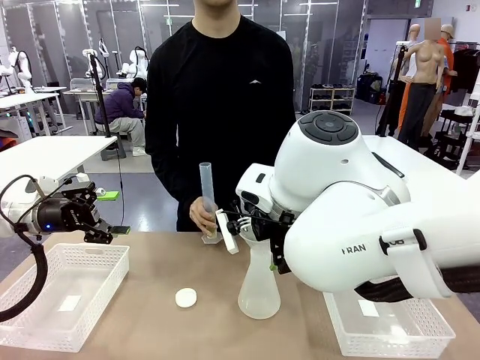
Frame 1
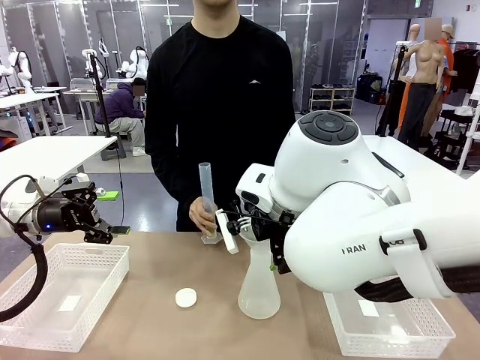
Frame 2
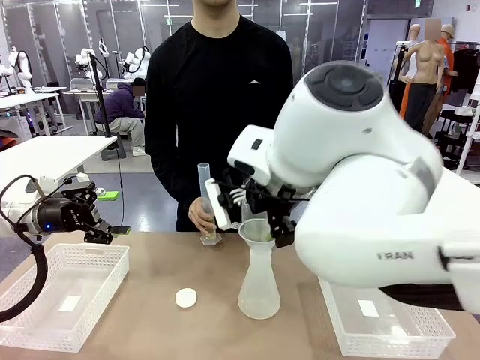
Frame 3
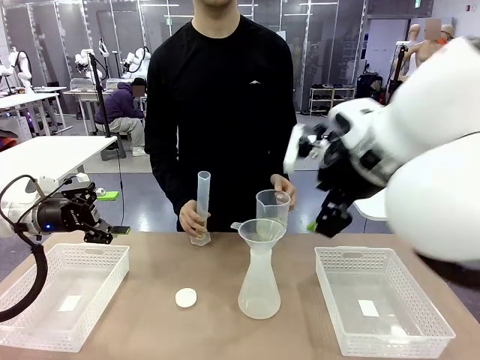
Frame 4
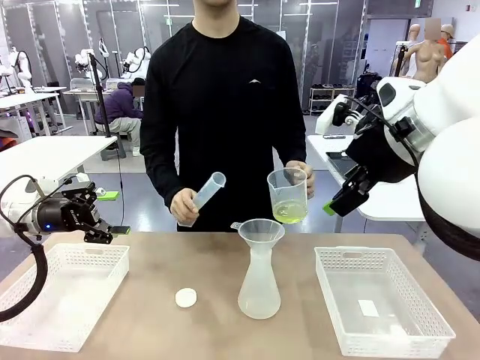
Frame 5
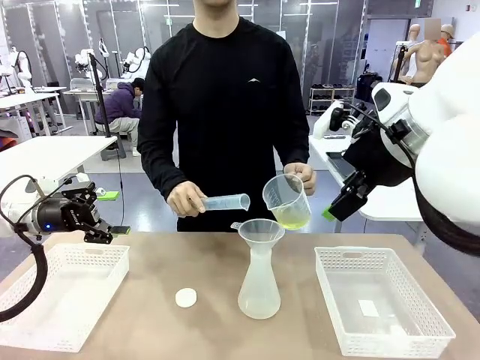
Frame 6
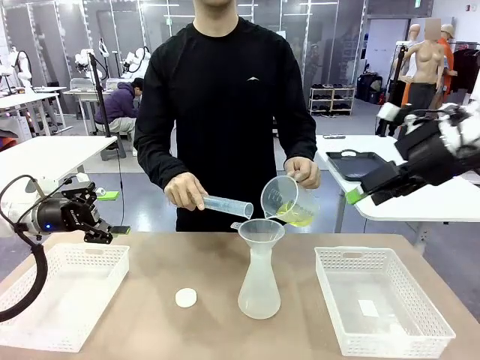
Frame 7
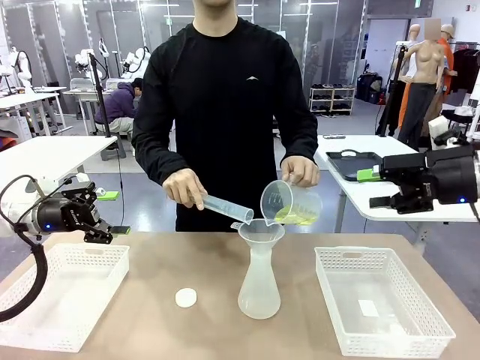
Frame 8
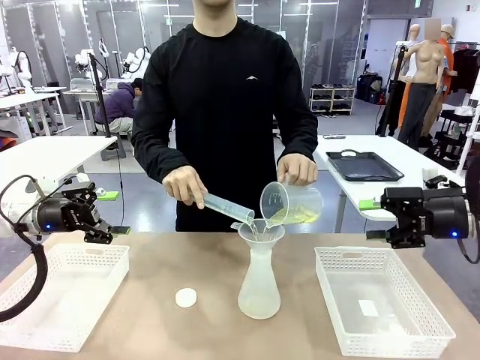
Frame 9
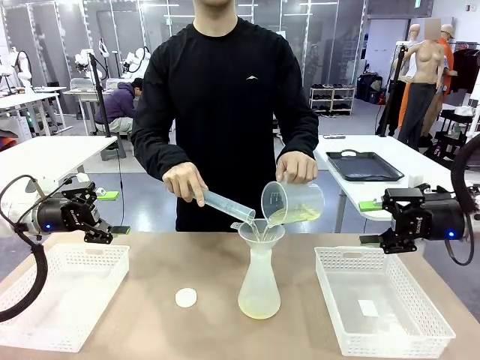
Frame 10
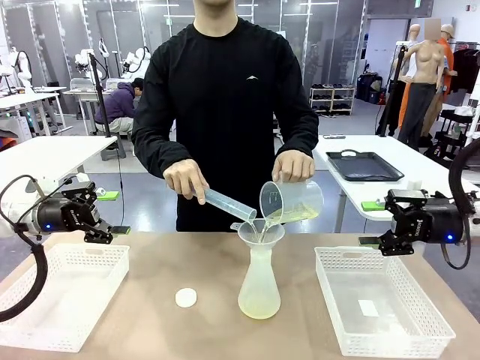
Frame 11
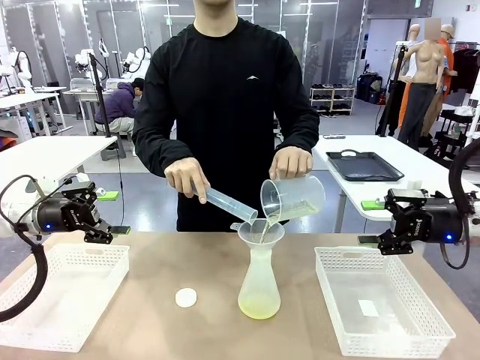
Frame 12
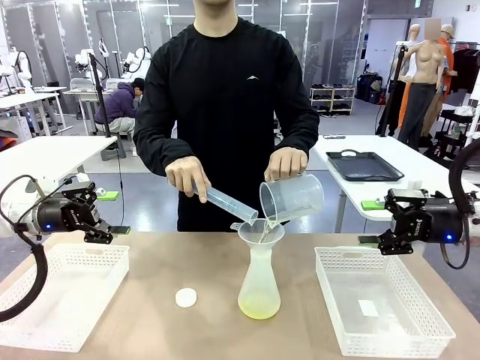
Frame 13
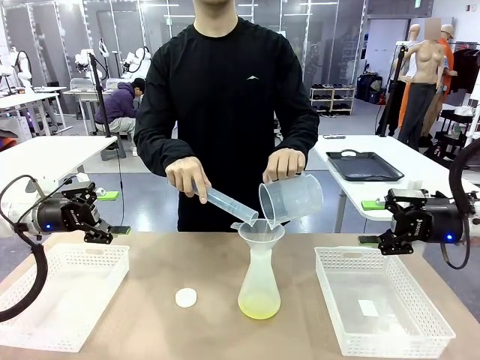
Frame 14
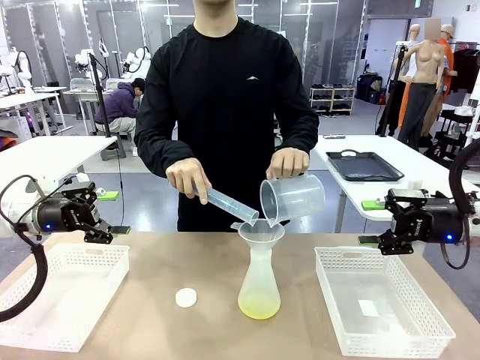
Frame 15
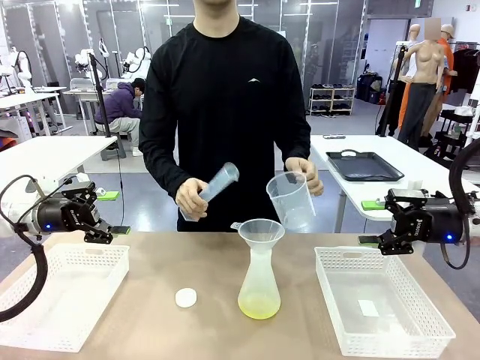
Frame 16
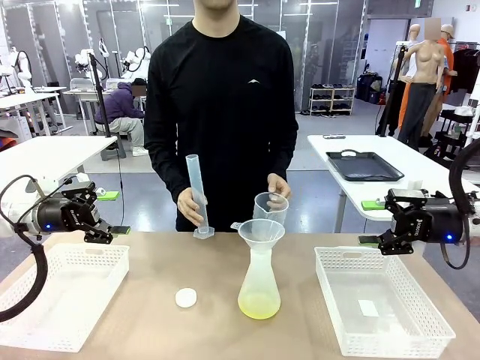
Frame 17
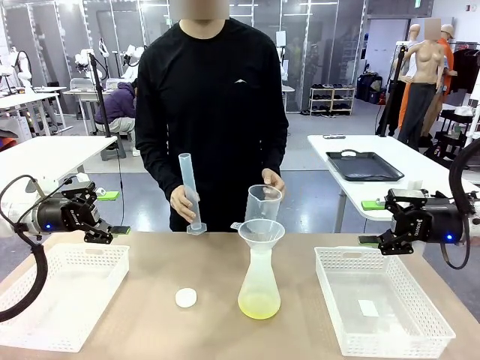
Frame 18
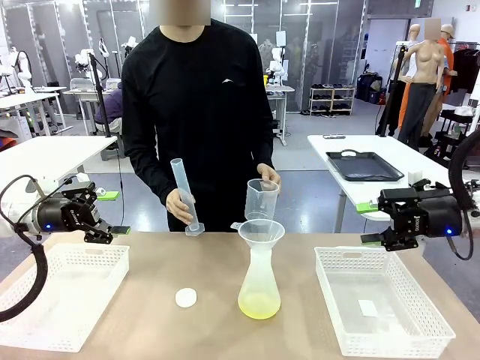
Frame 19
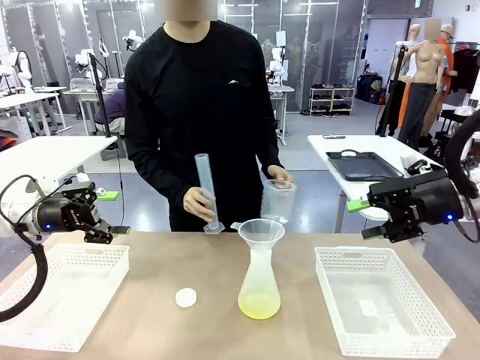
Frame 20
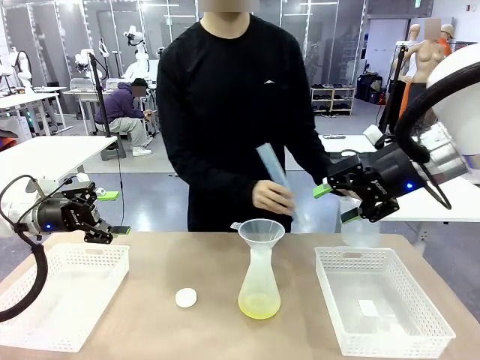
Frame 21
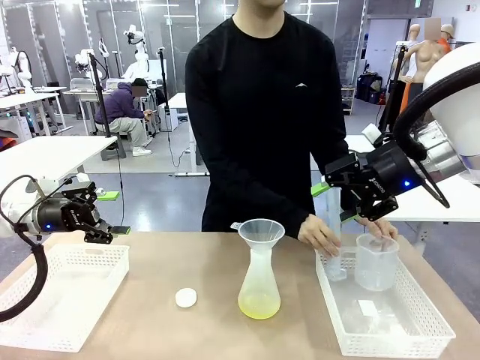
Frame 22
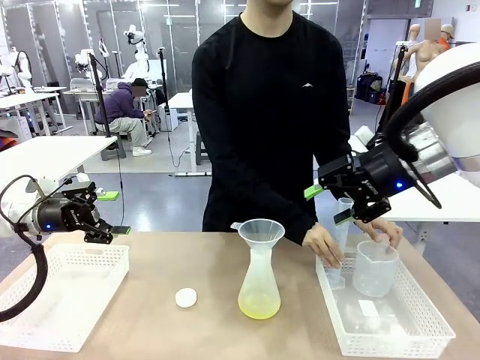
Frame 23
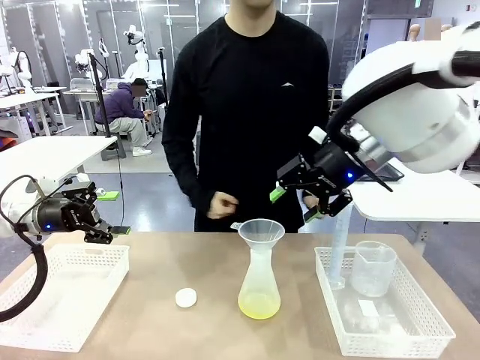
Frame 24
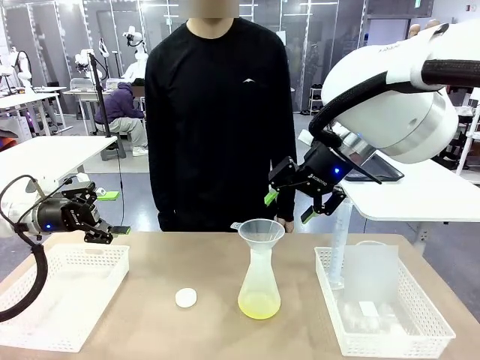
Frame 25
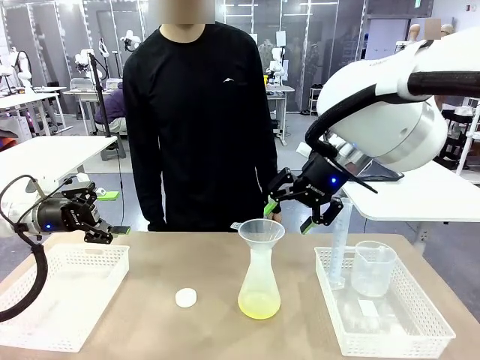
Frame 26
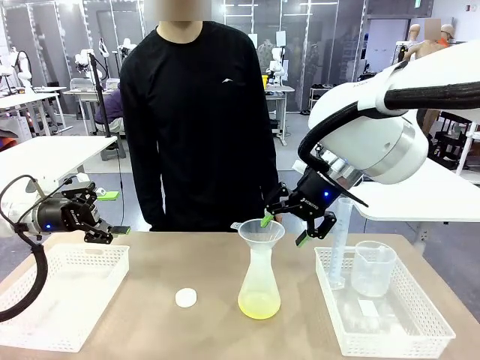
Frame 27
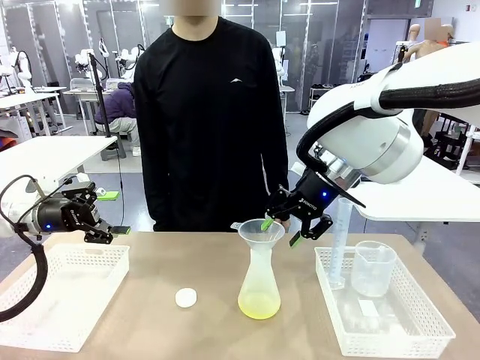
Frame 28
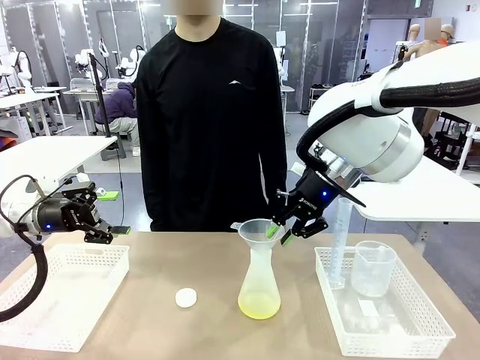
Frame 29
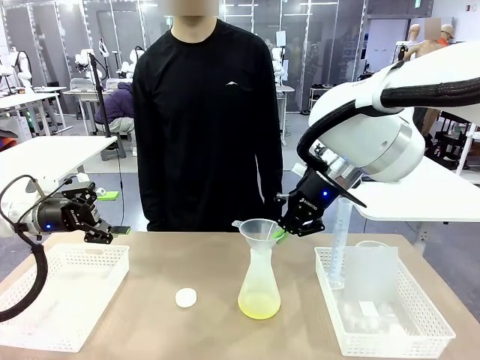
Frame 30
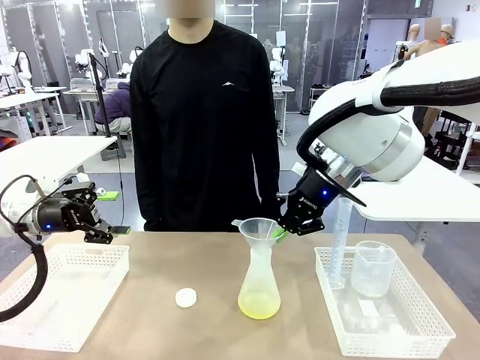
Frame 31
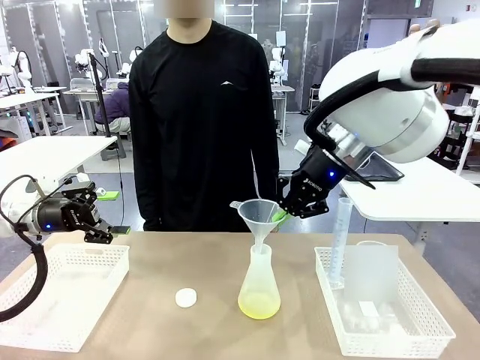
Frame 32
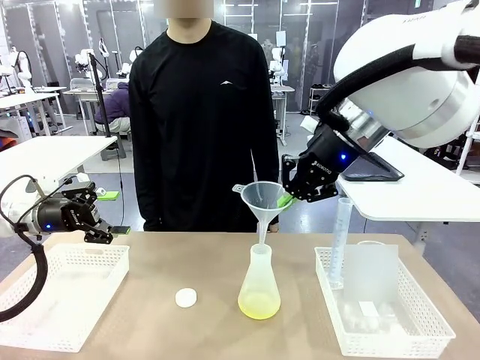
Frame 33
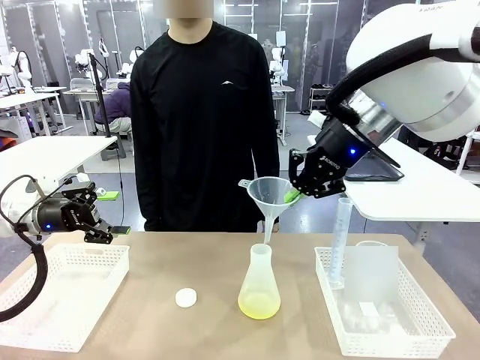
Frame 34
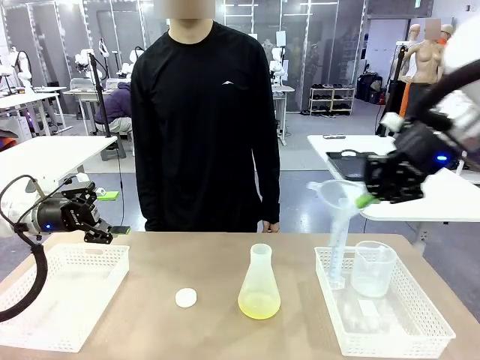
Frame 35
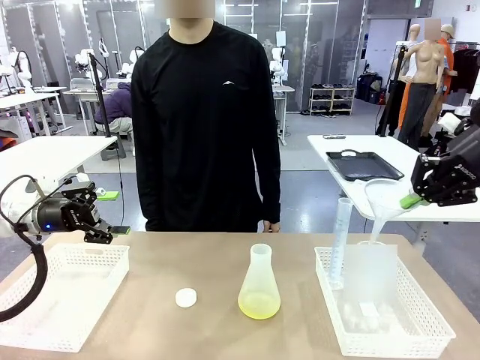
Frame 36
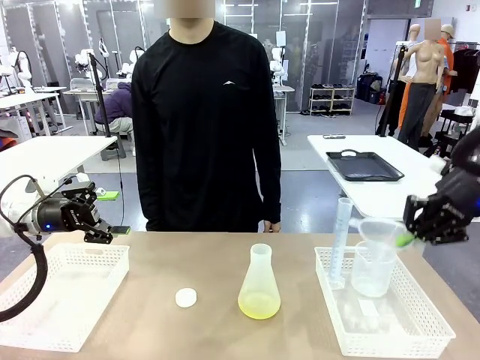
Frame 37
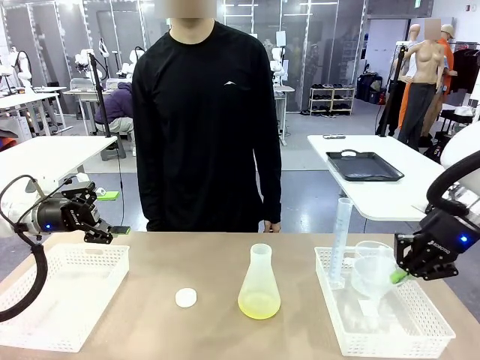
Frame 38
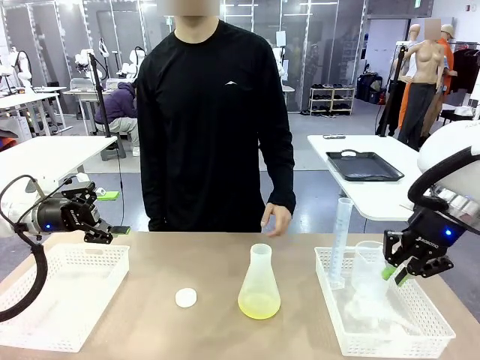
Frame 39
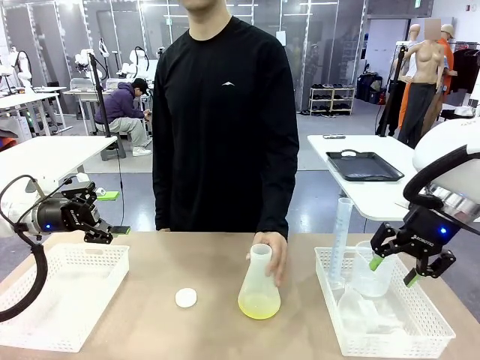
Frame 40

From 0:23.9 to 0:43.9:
Task: Prepare the solutions needed for the experiment.
Robot: Once the solution is in the Big flask , pick up the Plastic Funnel and place it back into the right Organizing basket.
Person: Place the beaker and the cylinder into the organizing basket on the left side. Pick up the flask, gently shake it 2–3 times, place it in the middle of the robot table, and close the lid.
